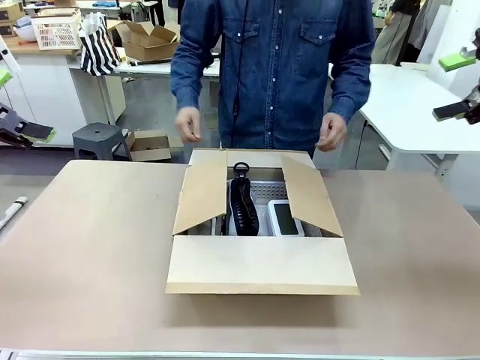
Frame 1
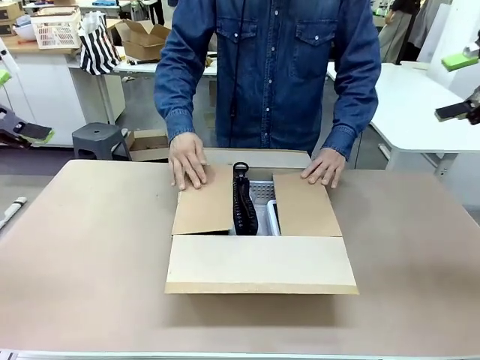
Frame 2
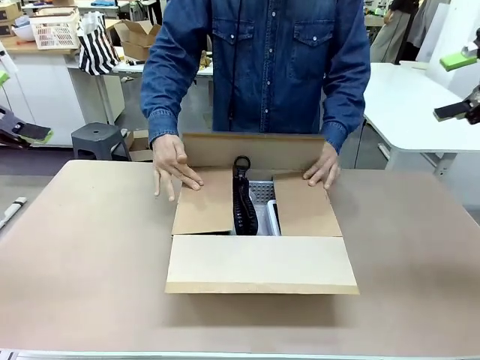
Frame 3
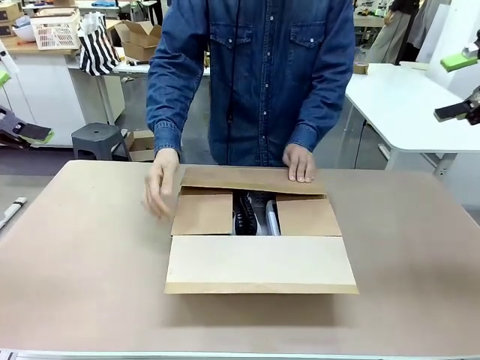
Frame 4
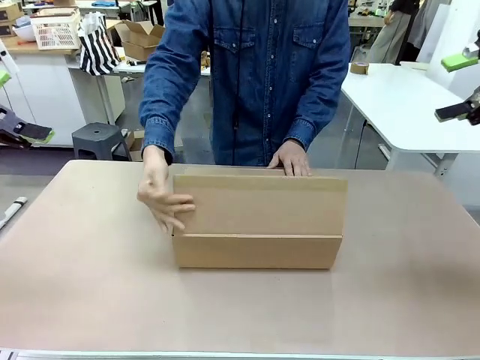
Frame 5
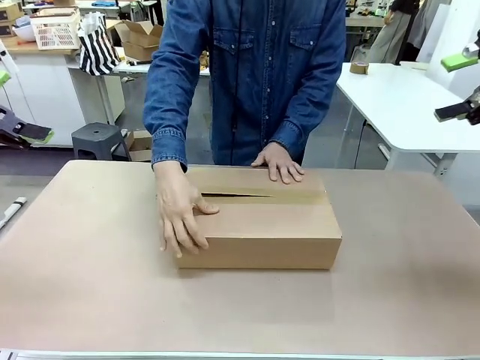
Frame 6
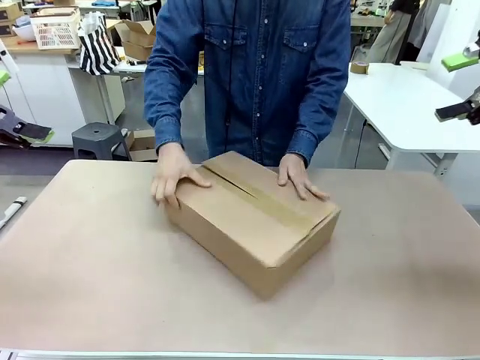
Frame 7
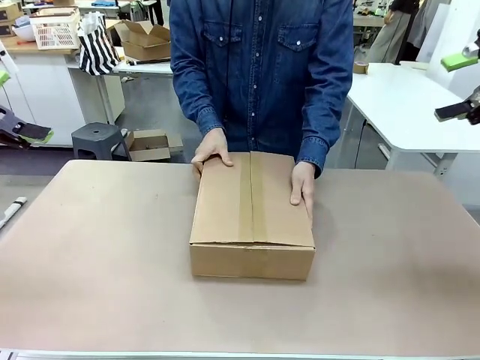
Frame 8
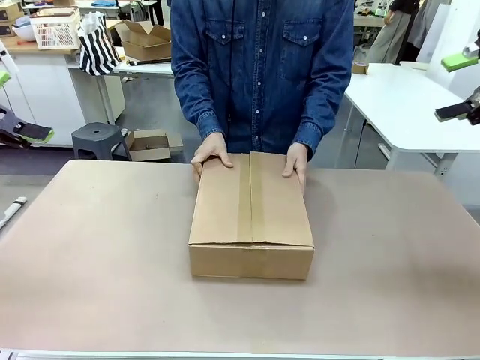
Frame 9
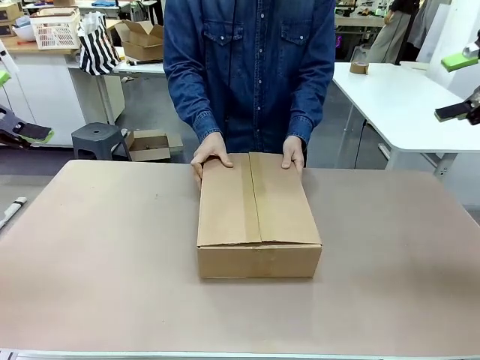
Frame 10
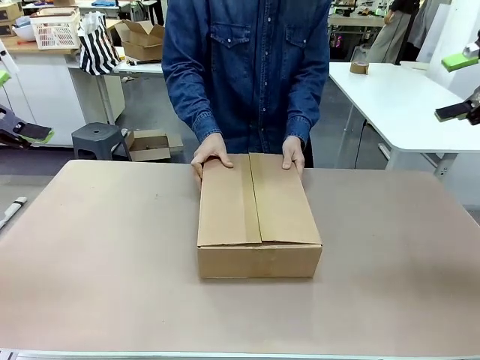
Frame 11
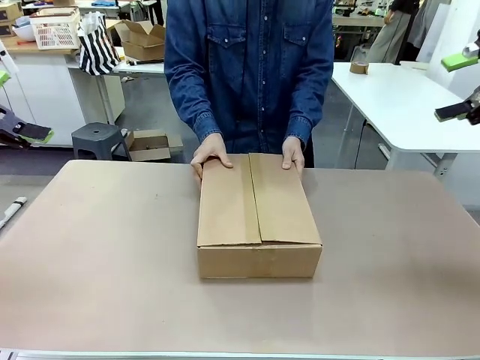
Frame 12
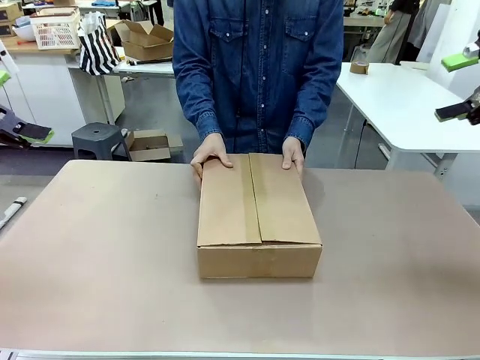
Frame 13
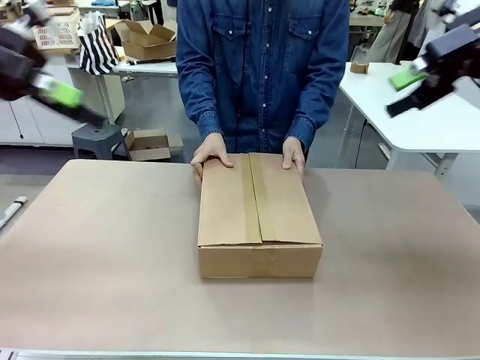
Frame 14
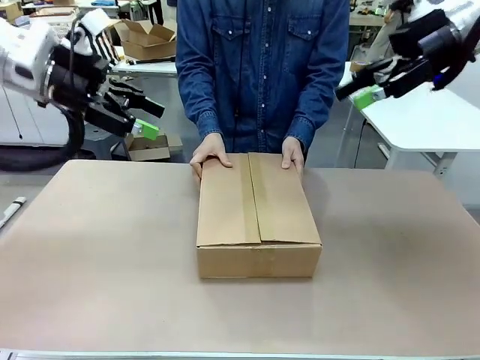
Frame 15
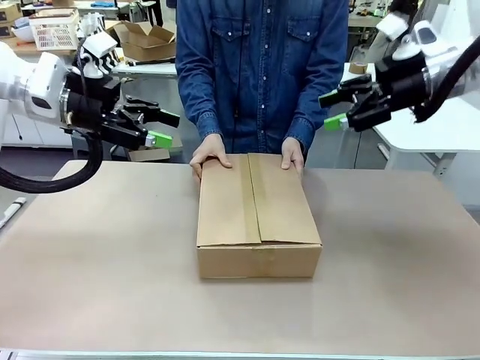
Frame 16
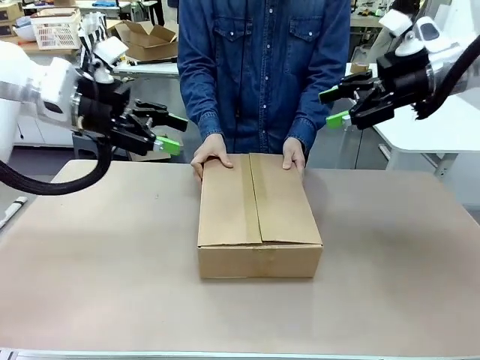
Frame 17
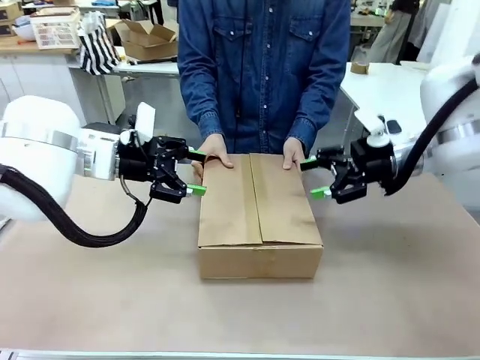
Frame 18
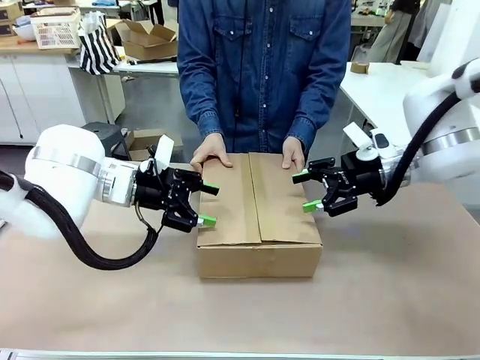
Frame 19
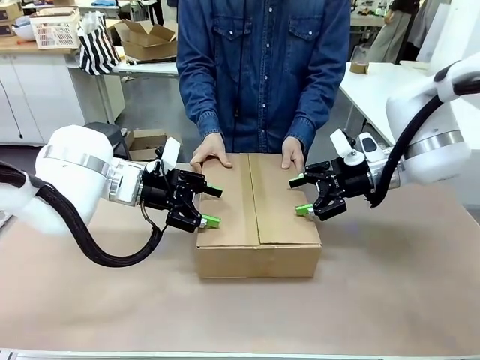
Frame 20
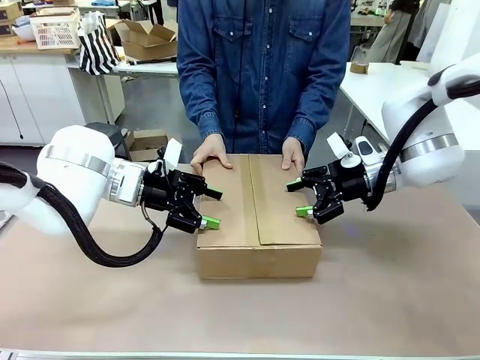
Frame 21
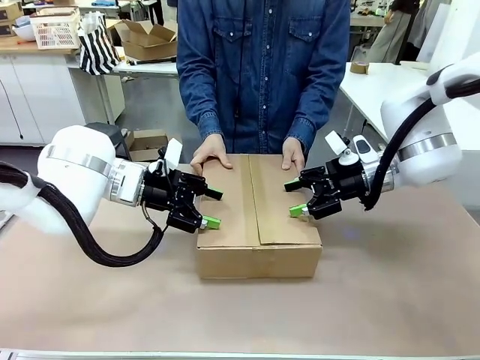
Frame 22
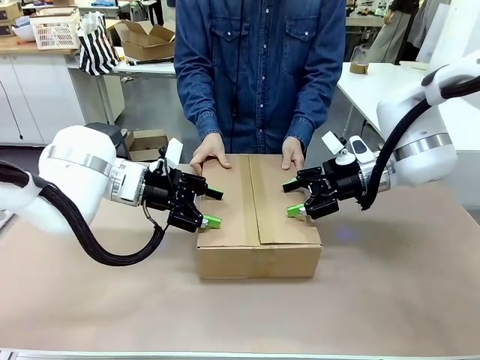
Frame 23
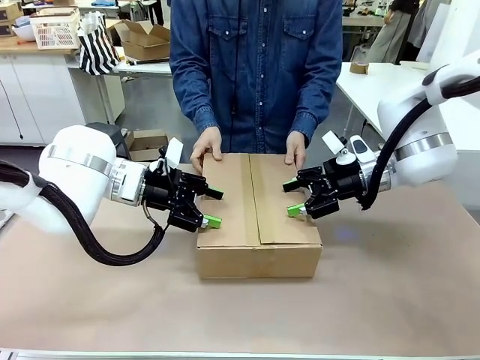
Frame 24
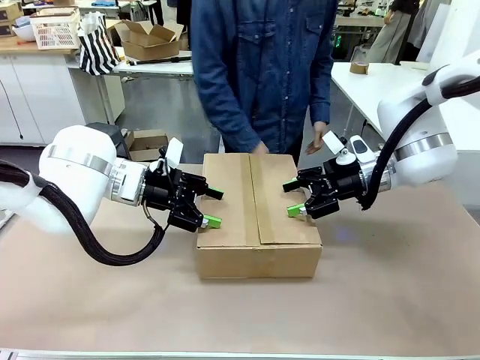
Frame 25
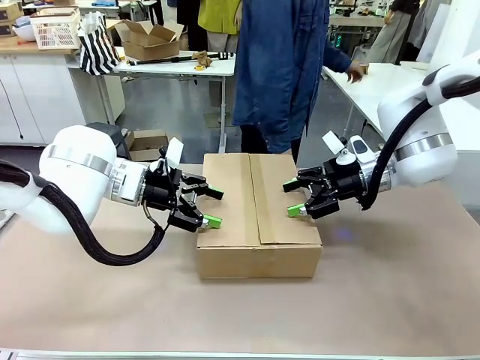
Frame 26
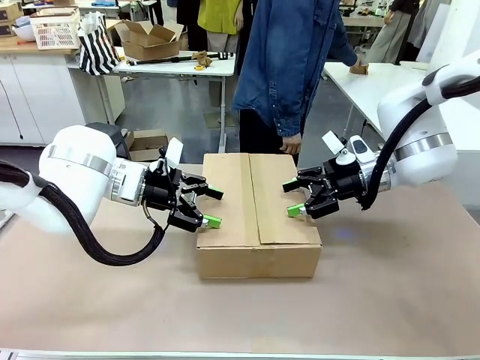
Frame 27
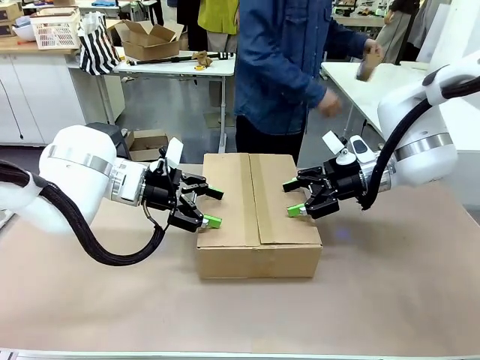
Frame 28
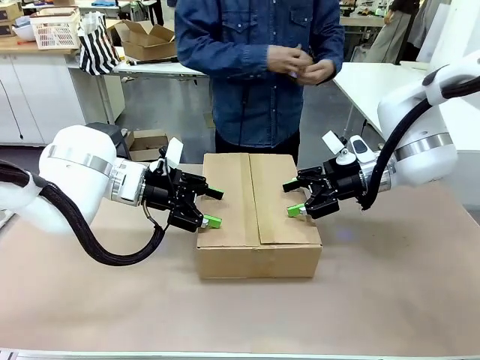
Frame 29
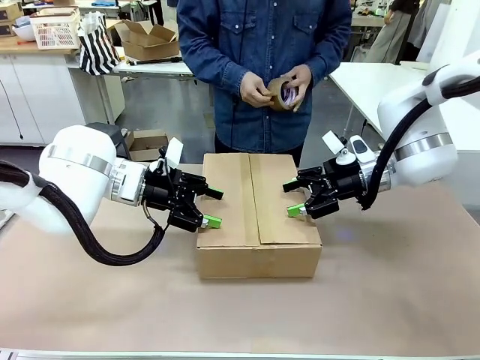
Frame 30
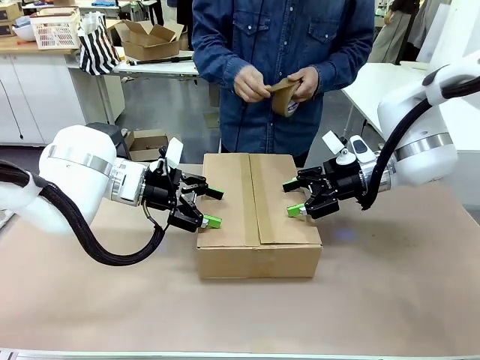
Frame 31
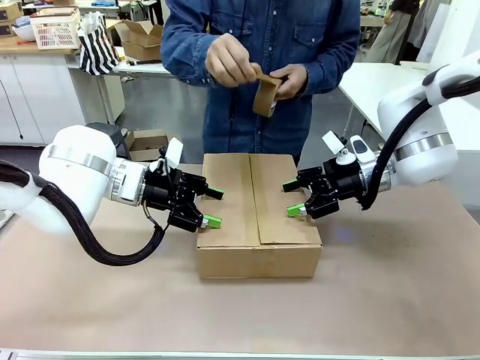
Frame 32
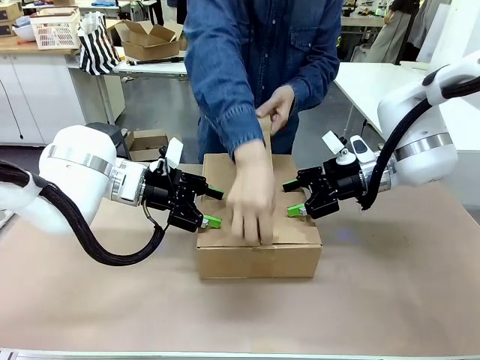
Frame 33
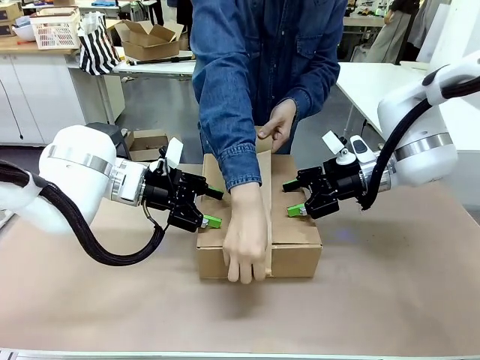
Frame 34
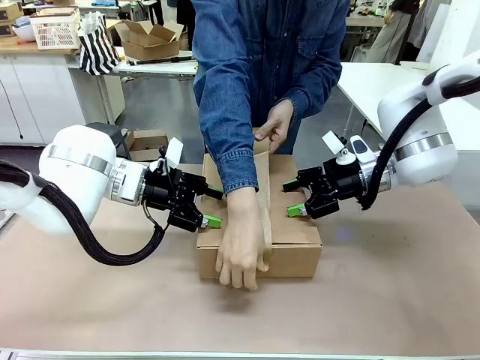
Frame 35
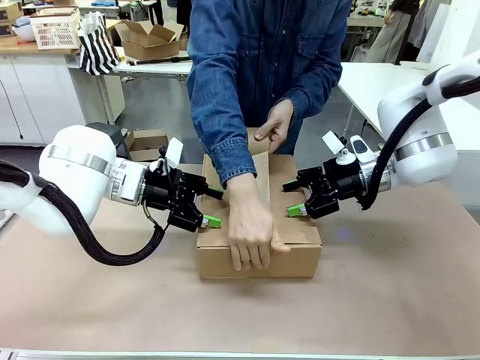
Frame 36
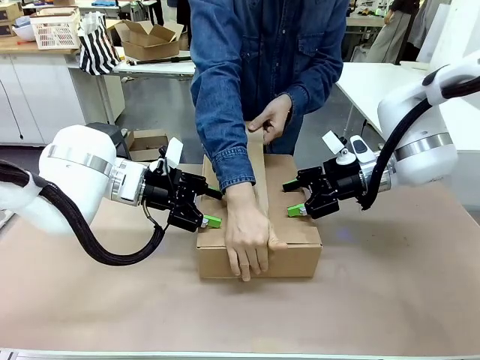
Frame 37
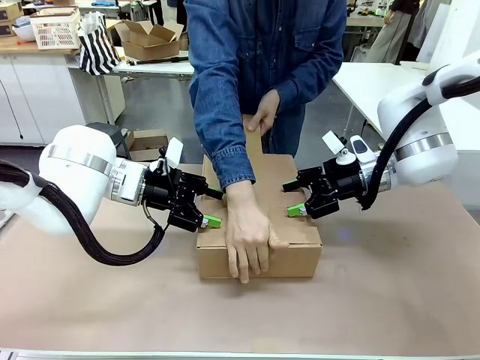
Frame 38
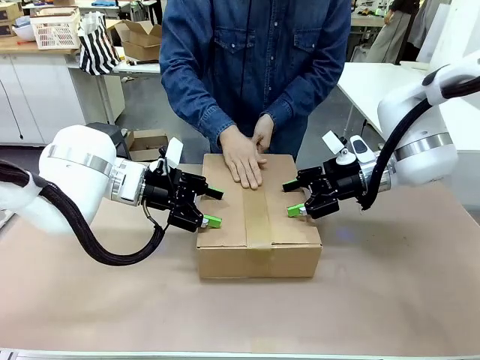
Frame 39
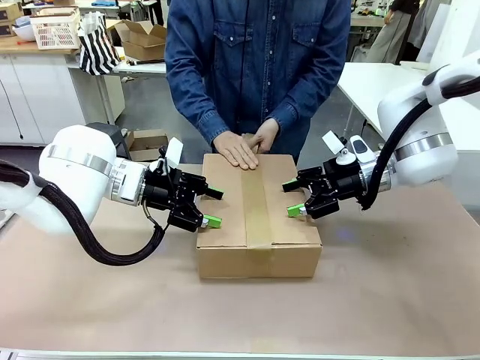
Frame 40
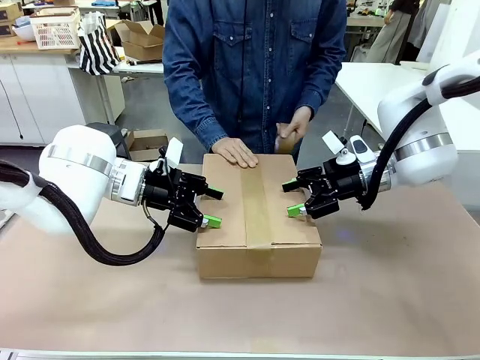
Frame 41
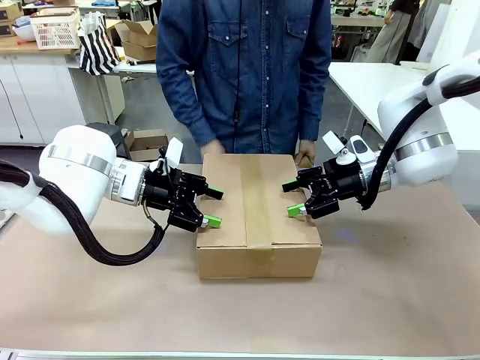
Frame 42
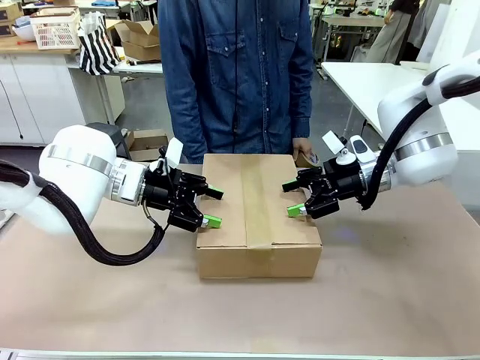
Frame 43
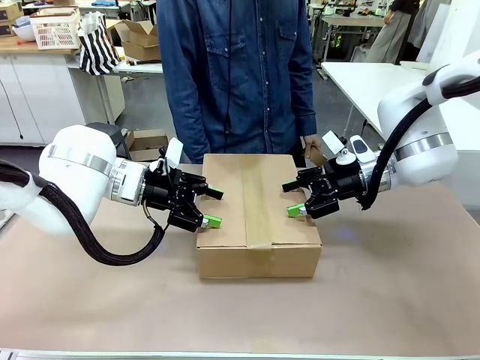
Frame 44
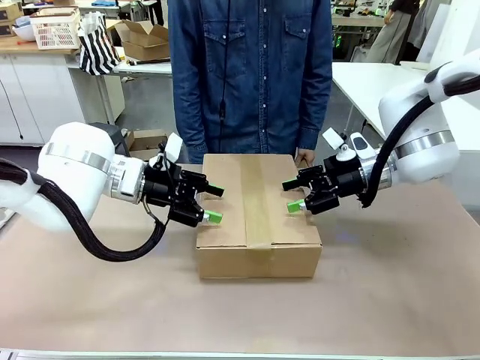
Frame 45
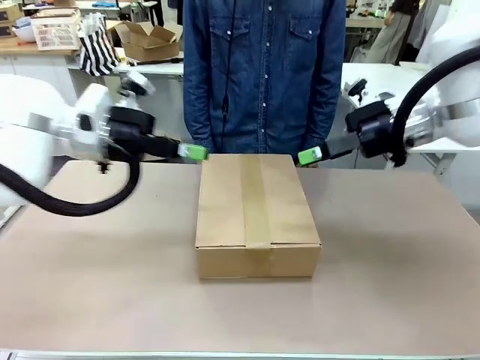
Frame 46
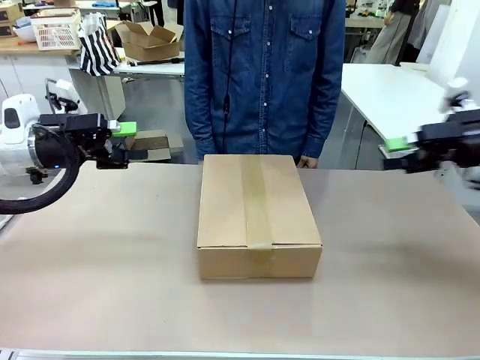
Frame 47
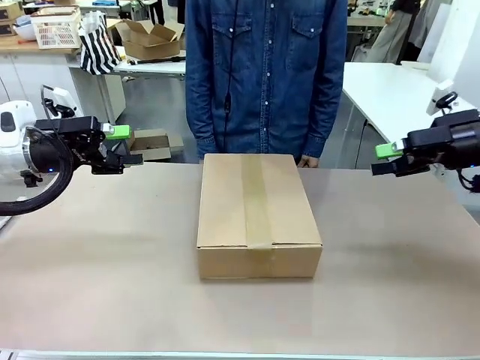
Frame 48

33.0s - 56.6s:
Task: Pack the gift set into the box.
Robot: Press and hold the closed box until the human finishes sealing it.
Person: The human closes the box and rotates the box by 90 degrees. The human picks up the paper tape from the human table and packs the box.

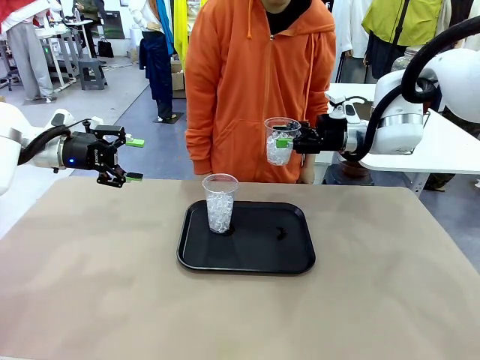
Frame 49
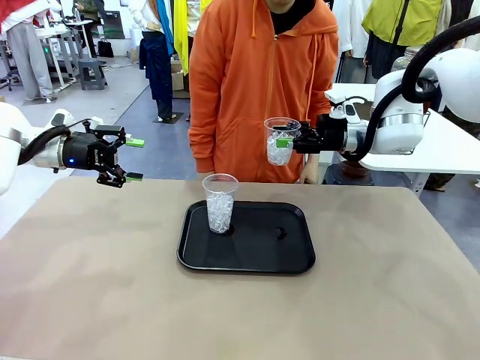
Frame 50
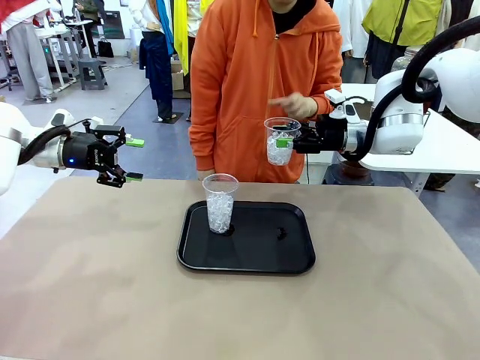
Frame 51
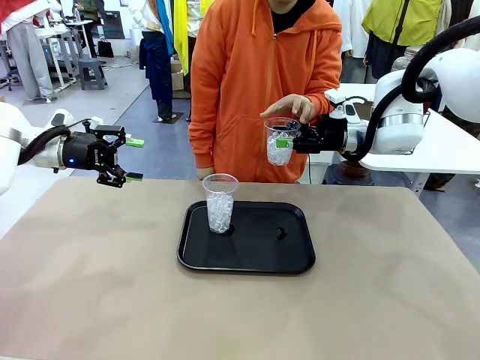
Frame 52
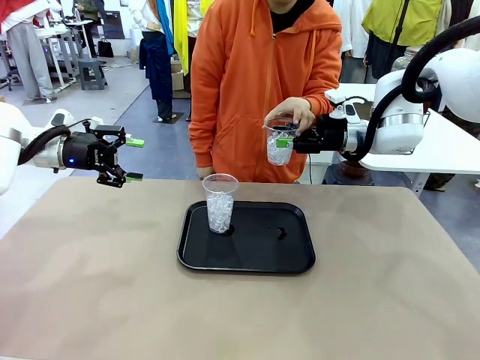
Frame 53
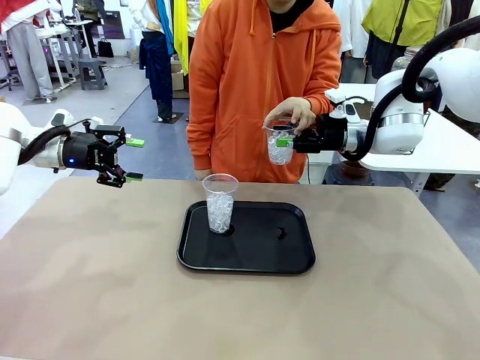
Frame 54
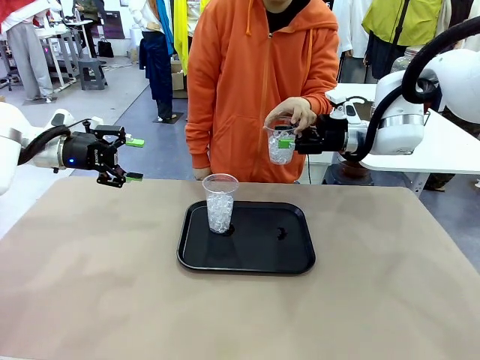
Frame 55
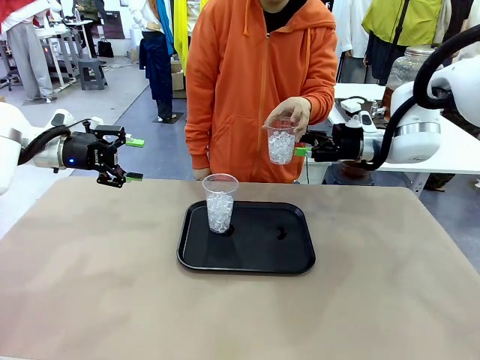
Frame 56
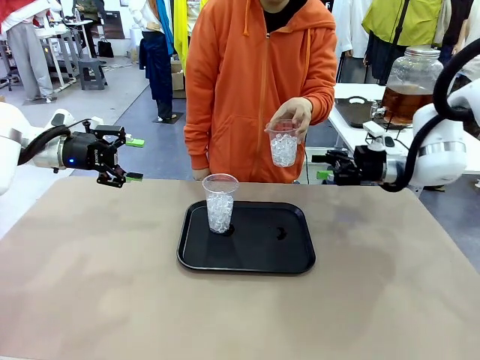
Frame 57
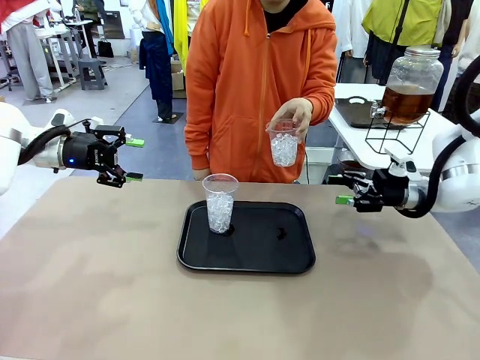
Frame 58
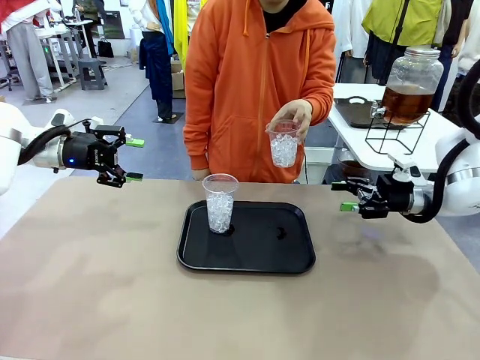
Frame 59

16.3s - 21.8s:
Task: Pour the drink into the iced cup.
Robot: Open the gripper to release the iced cup you were holding.
